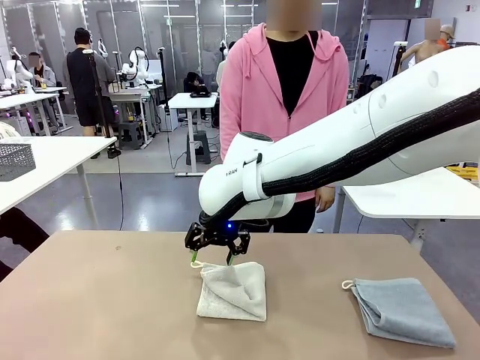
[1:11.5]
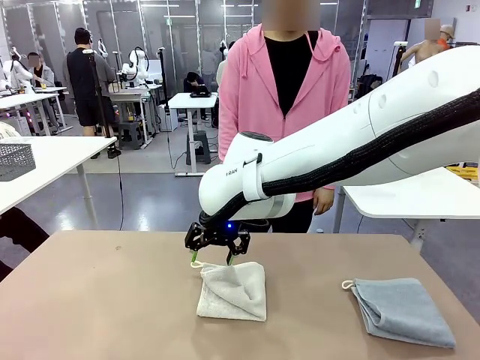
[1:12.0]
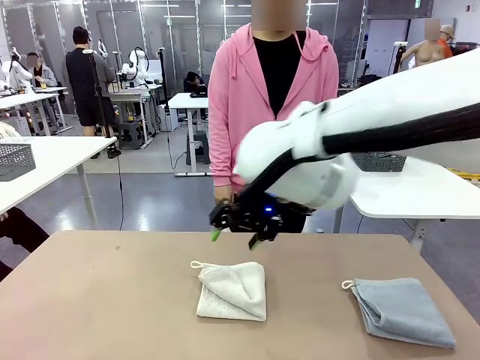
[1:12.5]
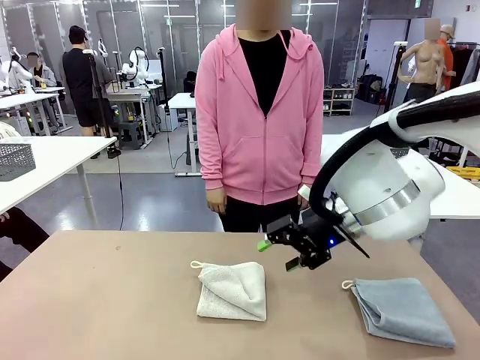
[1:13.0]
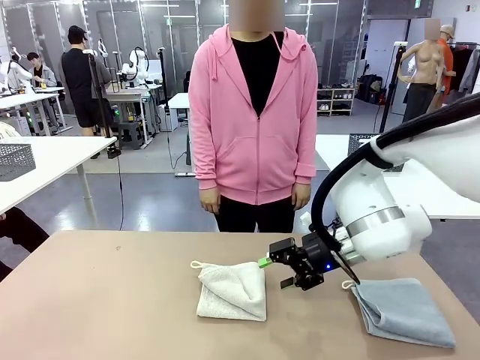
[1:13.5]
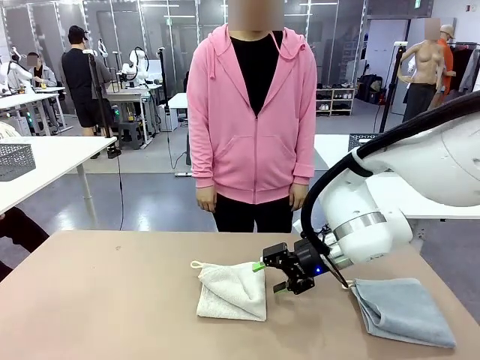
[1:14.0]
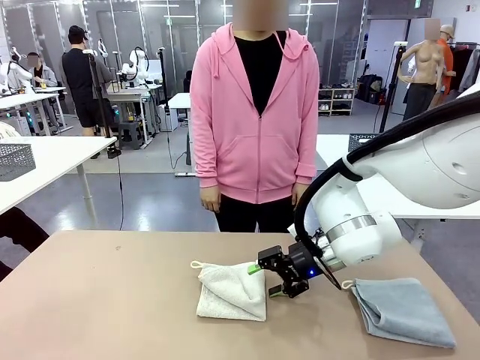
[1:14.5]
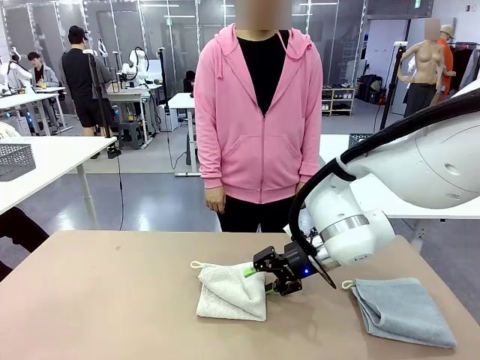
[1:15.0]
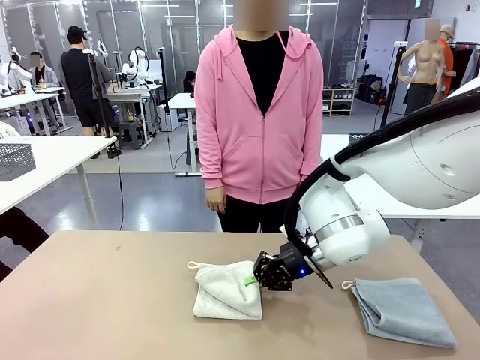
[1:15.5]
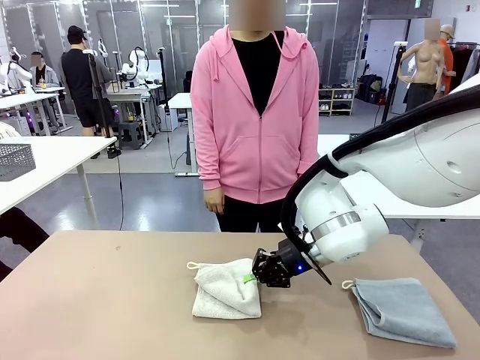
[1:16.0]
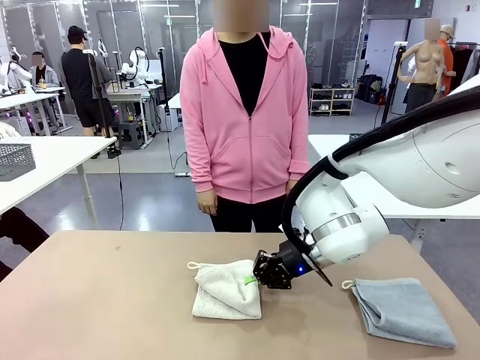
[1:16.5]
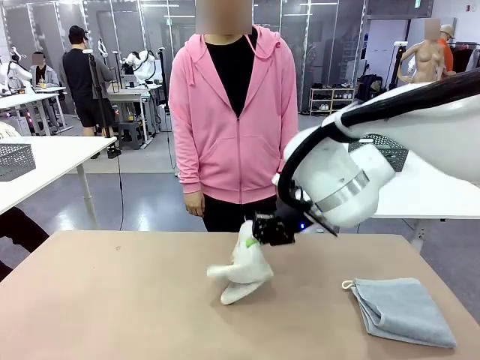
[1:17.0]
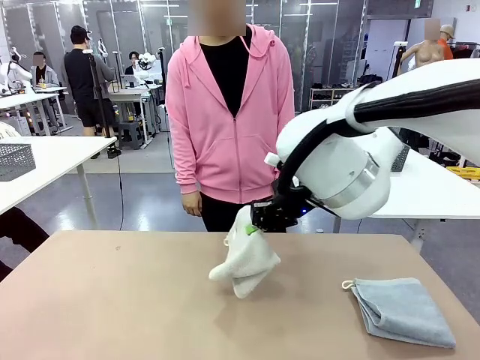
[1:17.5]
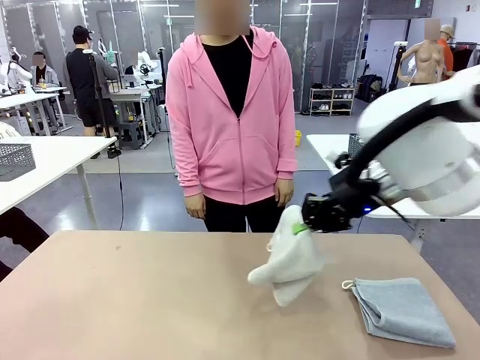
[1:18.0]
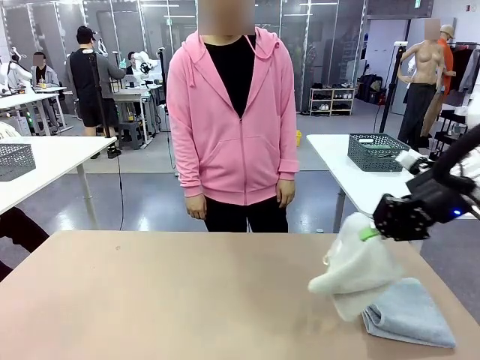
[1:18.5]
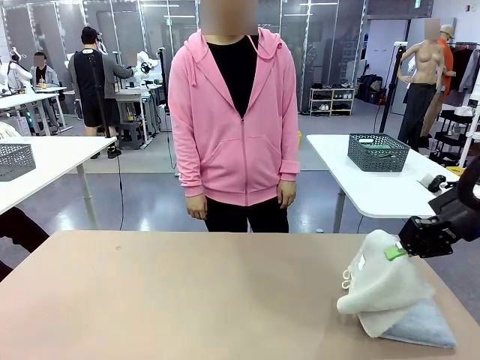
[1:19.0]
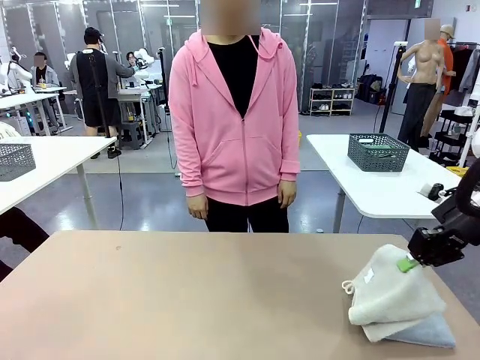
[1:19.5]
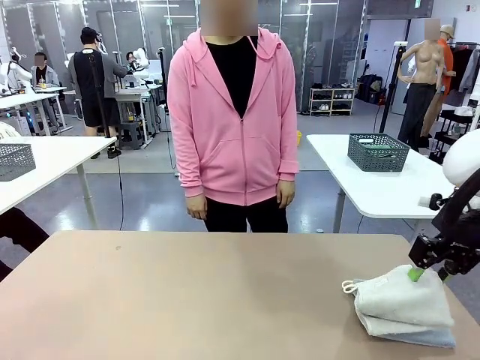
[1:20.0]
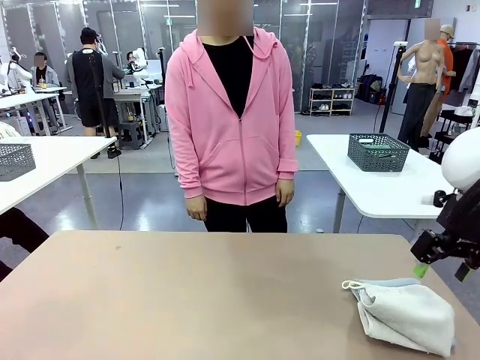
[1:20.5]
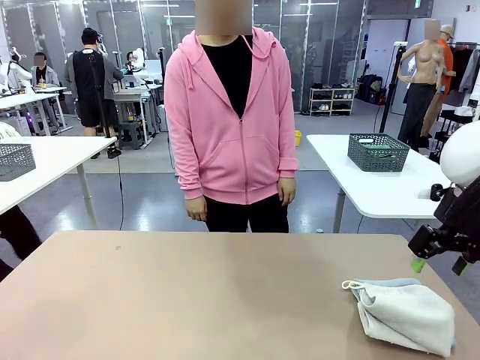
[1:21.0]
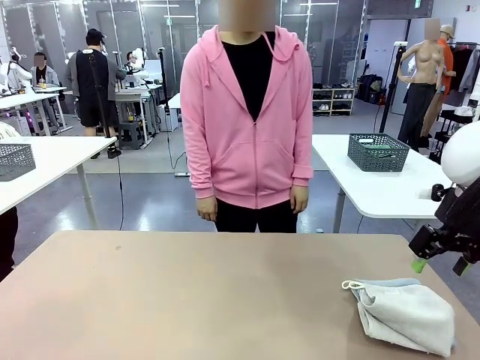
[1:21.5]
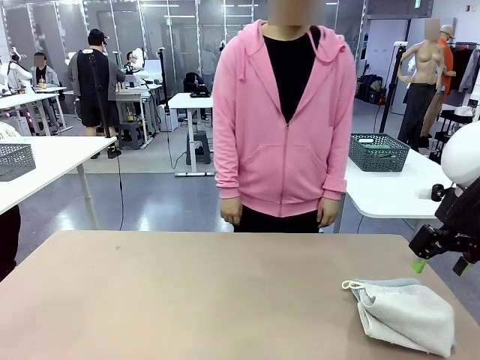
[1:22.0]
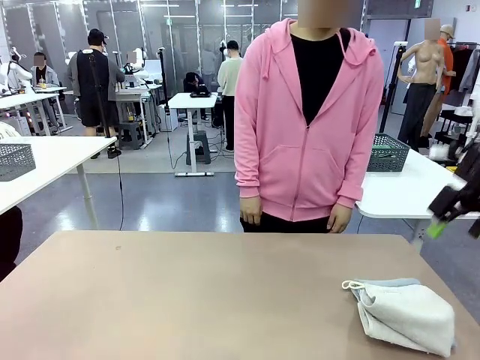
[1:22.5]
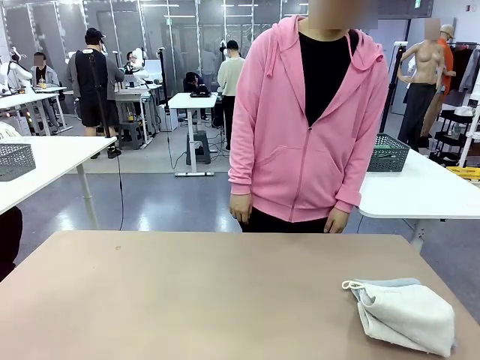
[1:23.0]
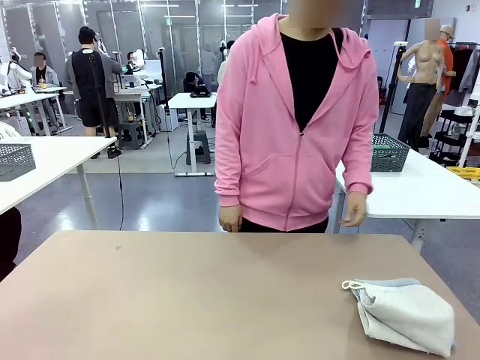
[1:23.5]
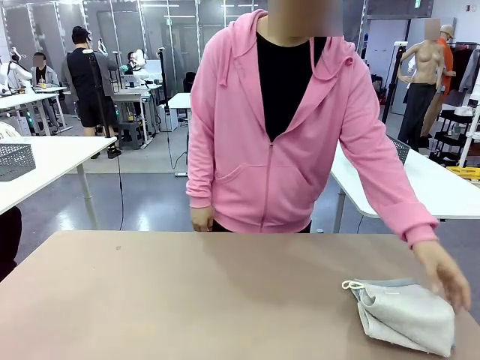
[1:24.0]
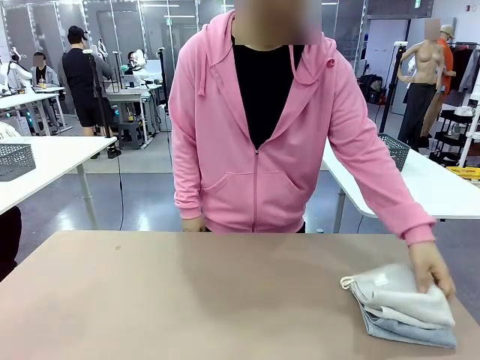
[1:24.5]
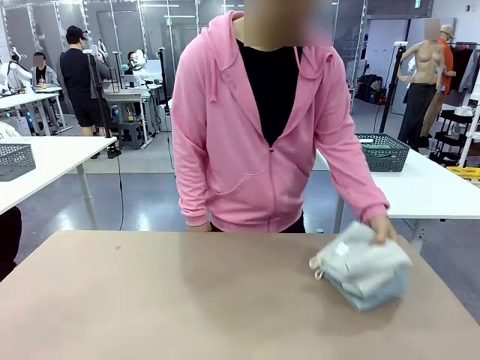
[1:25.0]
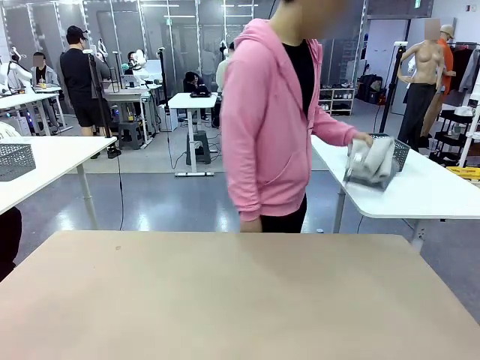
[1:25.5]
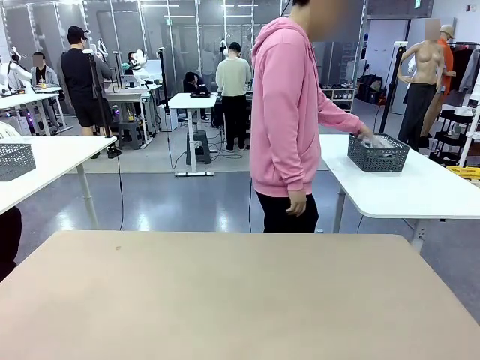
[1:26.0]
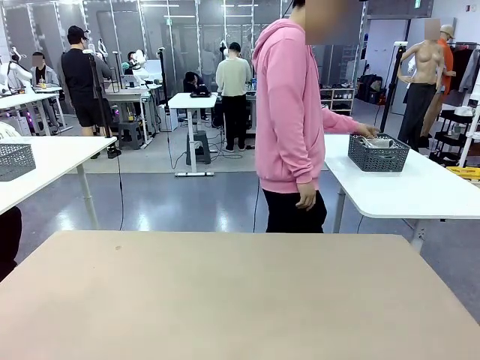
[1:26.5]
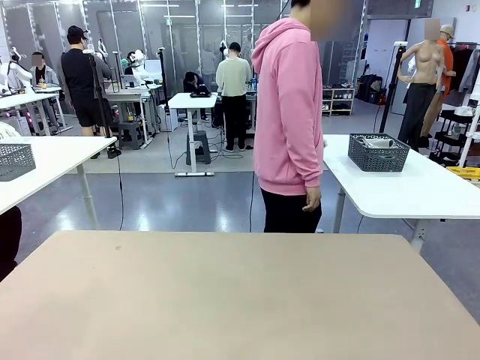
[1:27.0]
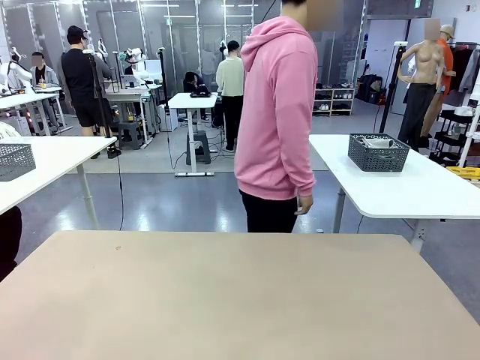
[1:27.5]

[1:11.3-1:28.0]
Task: Fold the towels and place them in the basket.
Robot: Stack the folded Towel with hook on the right side of the table.
Person: Pick up the stack of towels from the robot table and place it into the basket.

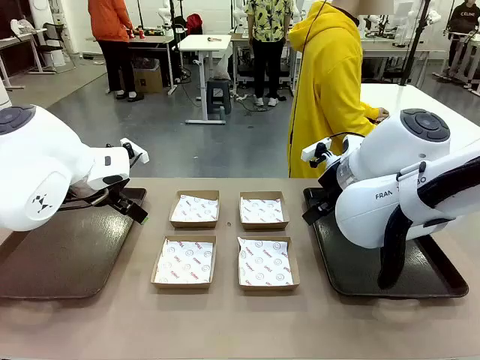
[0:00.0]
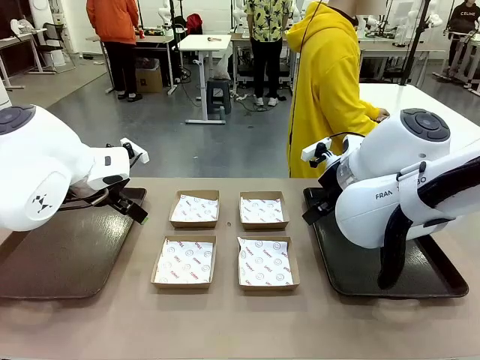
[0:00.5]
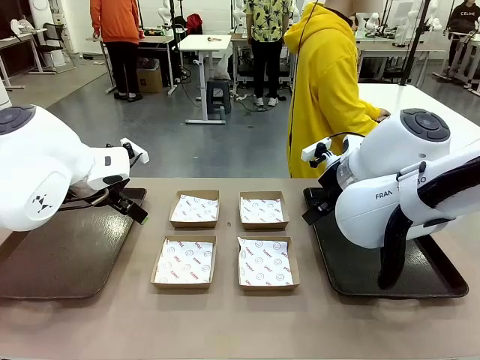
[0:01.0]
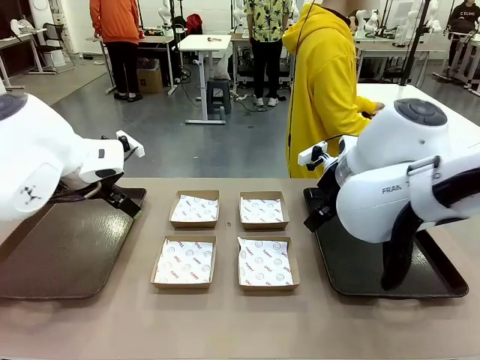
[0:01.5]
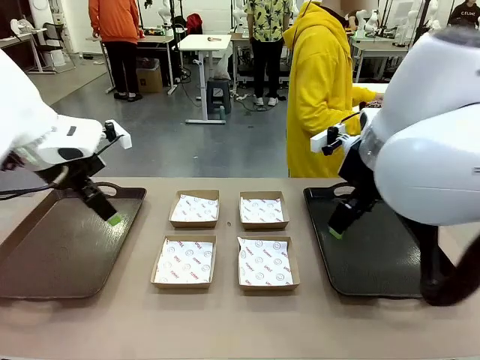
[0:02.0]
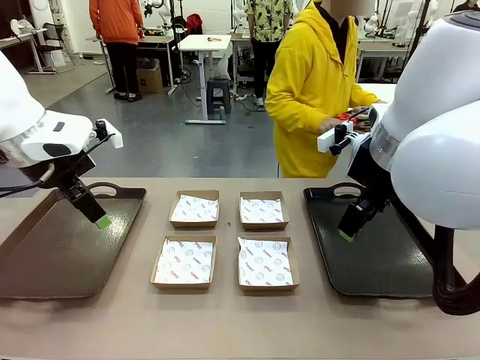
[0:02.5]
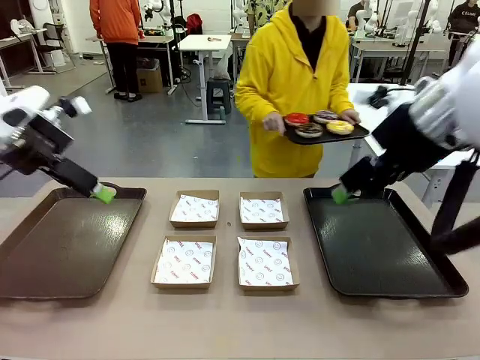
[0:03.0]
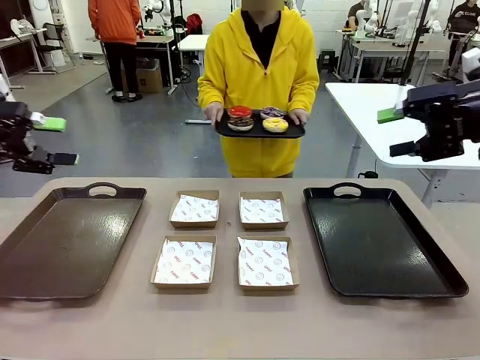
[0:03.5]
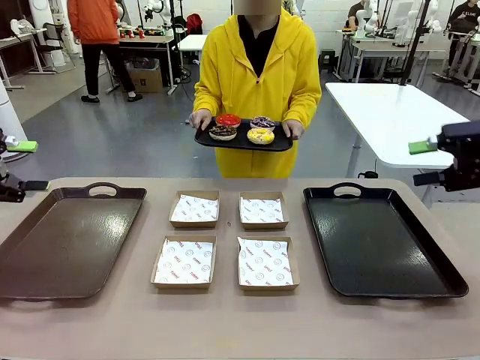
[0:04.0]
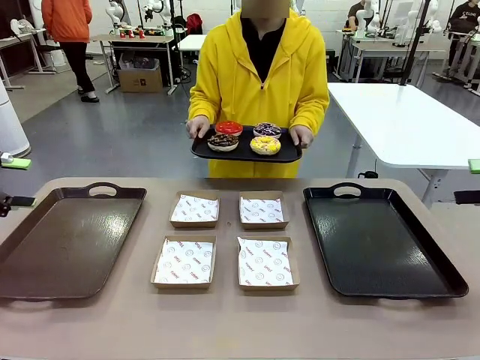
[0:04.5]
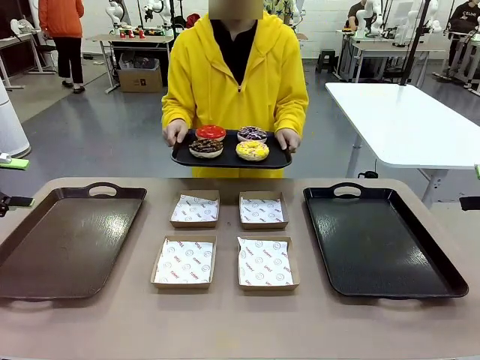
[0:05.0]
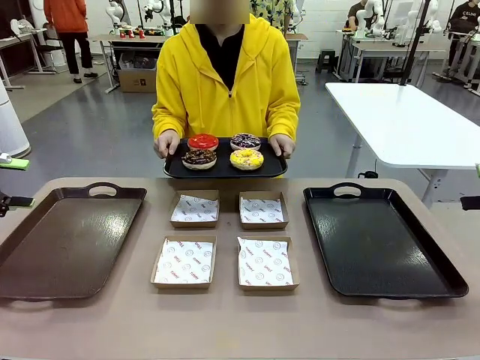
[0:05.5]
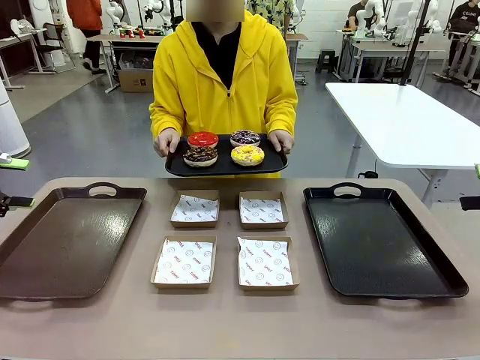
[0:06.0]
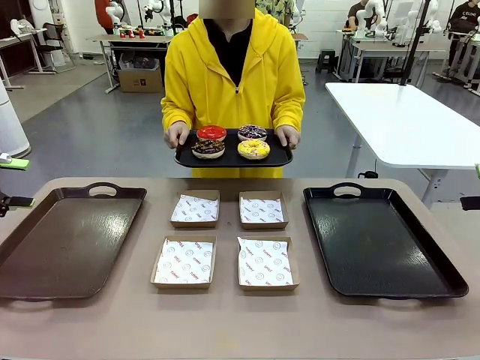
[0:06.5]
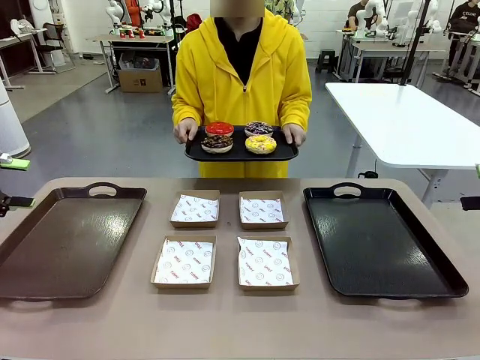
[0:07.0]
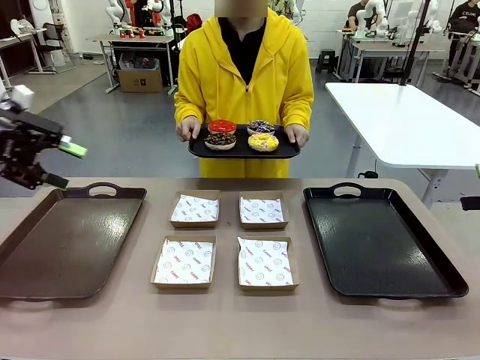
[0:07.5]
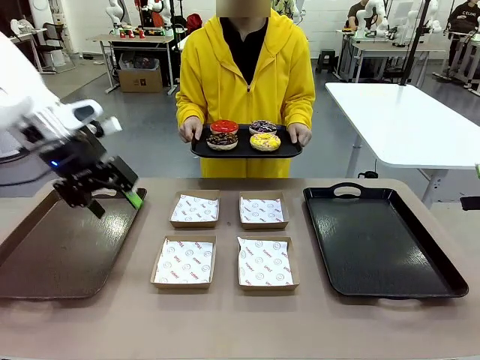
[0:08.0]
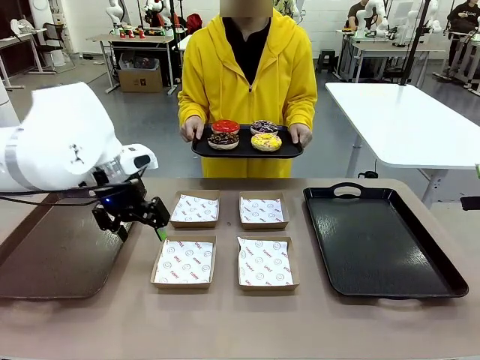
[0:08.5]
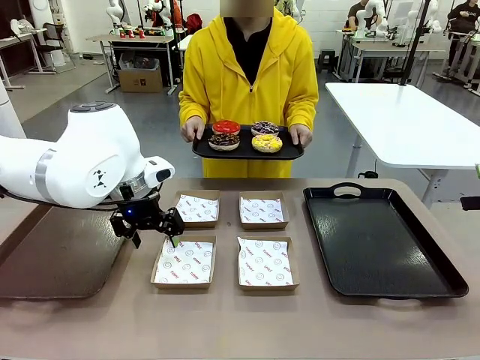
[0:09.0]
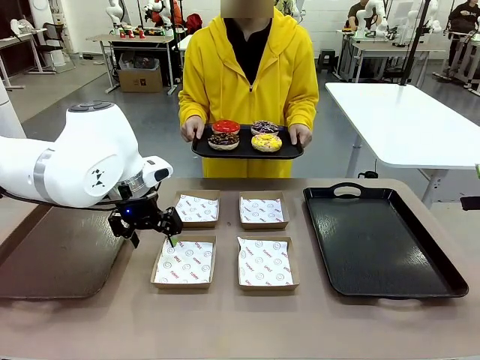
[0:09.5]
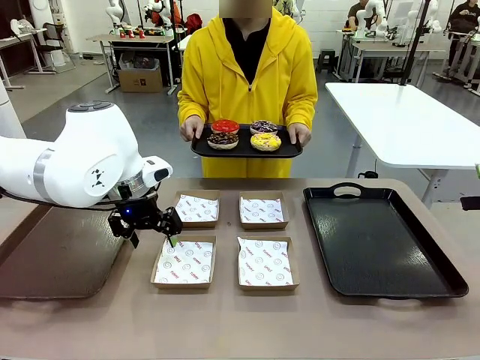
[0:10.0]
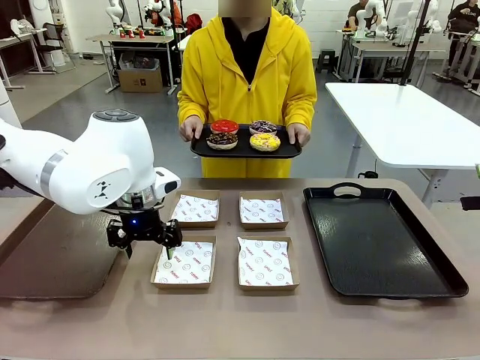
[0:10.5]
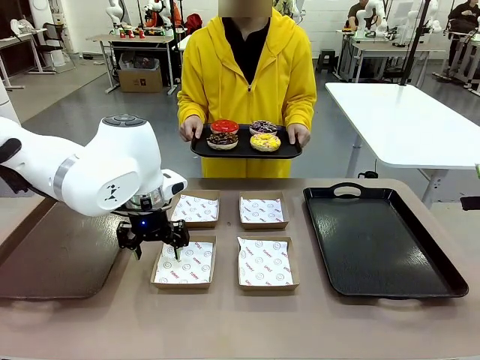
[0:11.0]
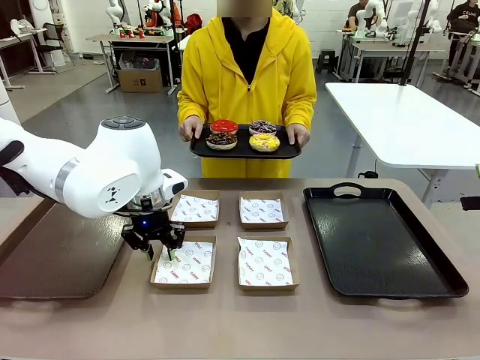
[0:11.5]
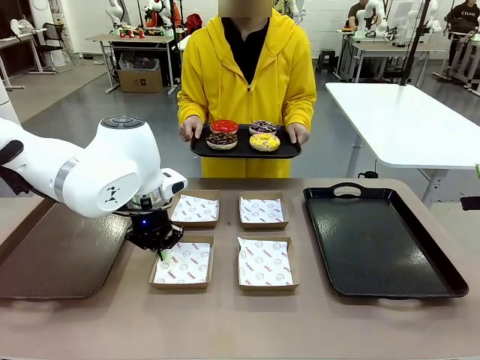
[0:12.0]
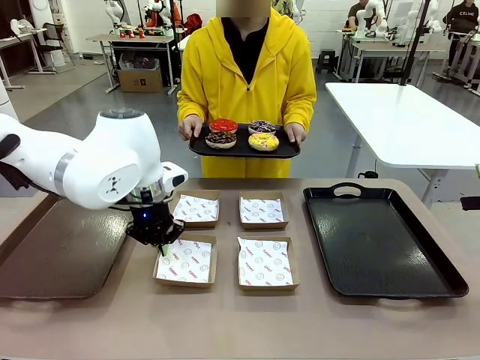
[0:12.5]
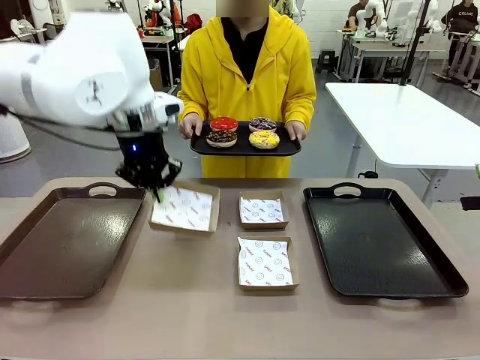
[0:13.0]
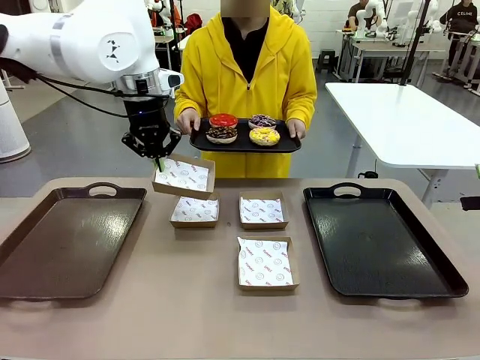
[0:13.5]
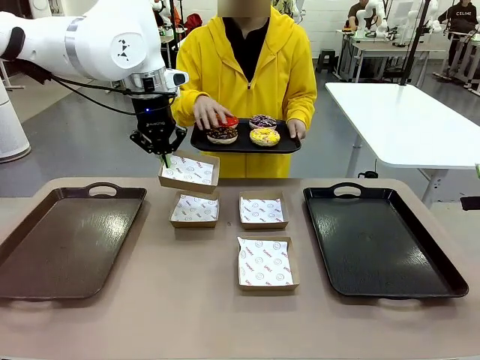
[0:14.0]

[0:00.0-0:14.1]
Task: Individually package the donuts and arrange them on the tray.
Robot: Pick up one Paper togo box.
Person: Stand in front of the robot table holding the tray containing the donuts.
